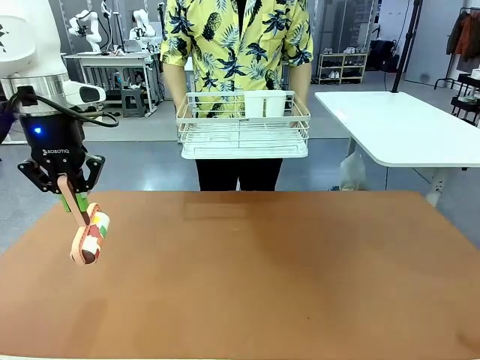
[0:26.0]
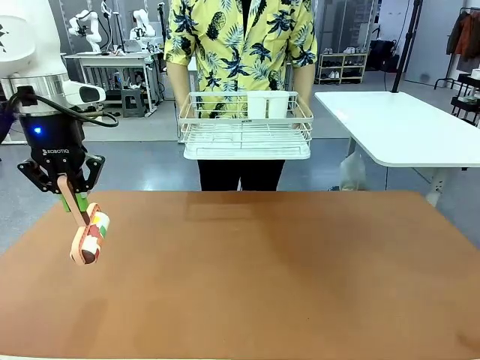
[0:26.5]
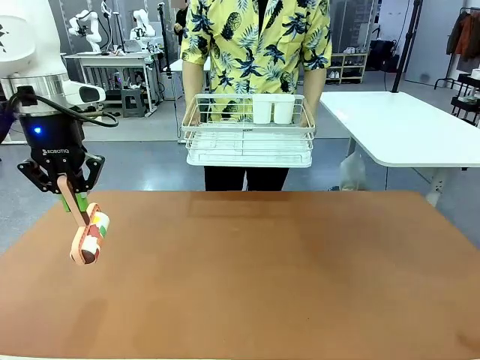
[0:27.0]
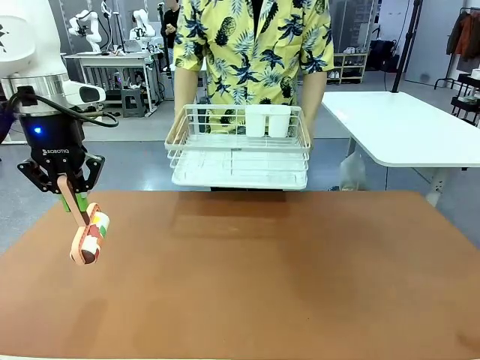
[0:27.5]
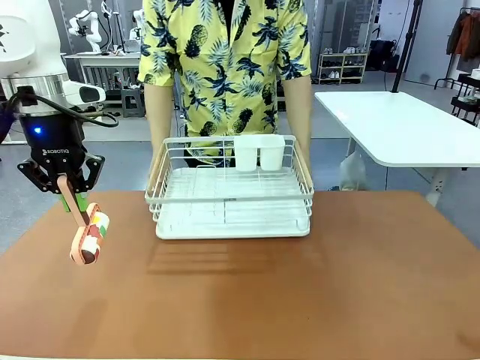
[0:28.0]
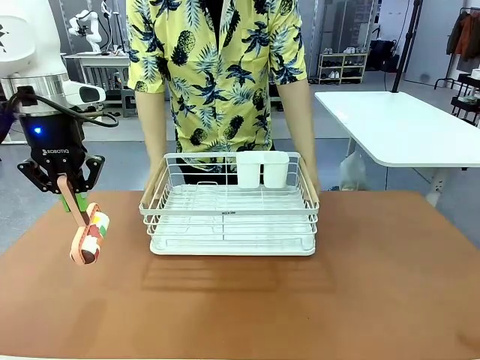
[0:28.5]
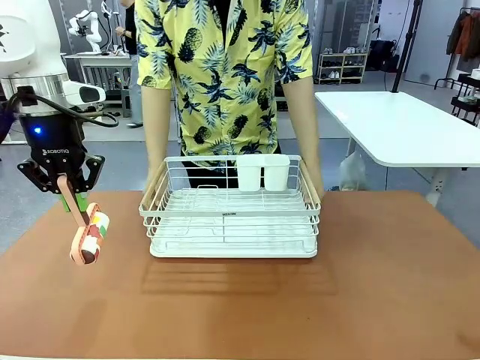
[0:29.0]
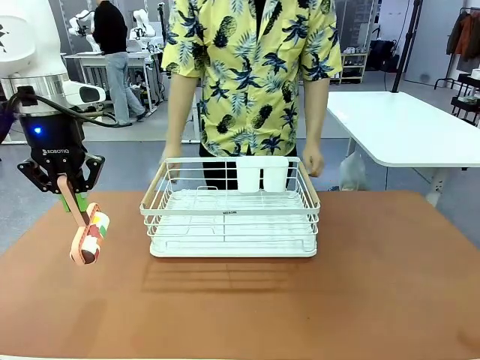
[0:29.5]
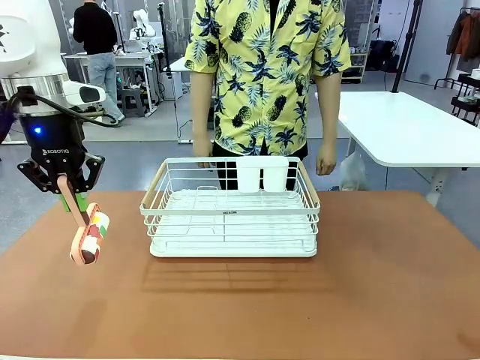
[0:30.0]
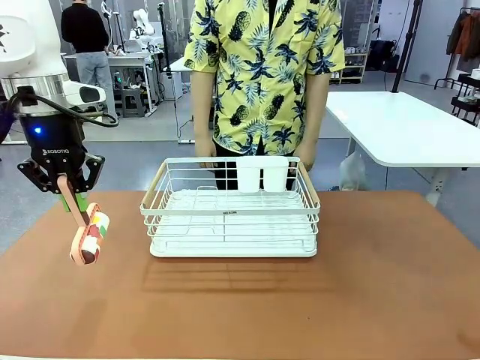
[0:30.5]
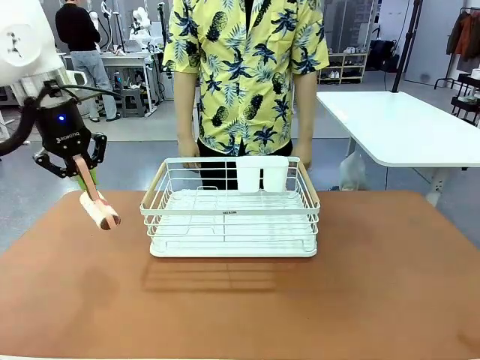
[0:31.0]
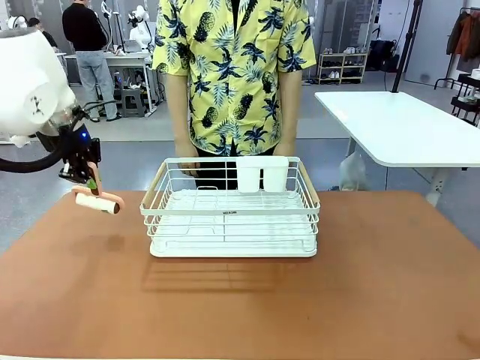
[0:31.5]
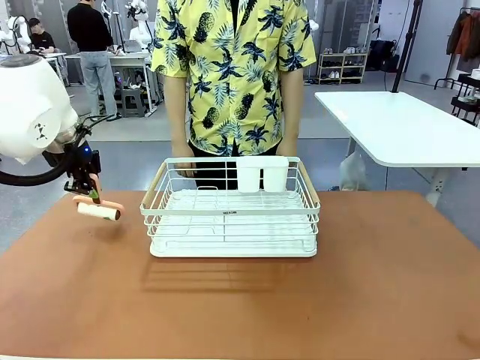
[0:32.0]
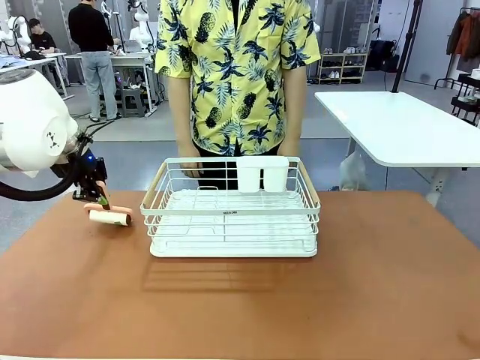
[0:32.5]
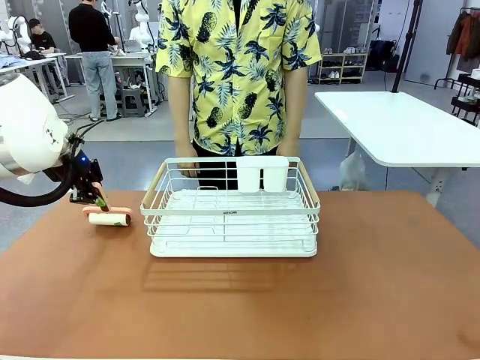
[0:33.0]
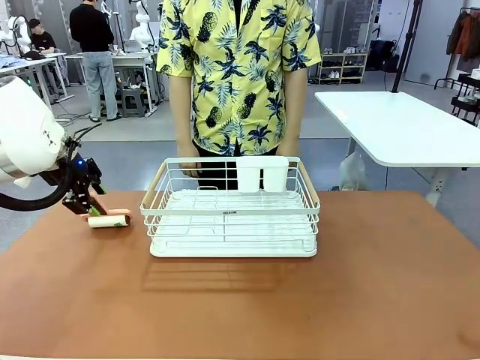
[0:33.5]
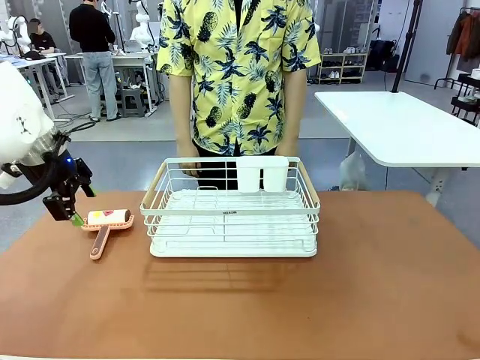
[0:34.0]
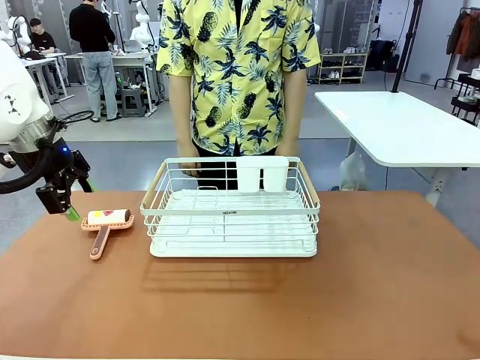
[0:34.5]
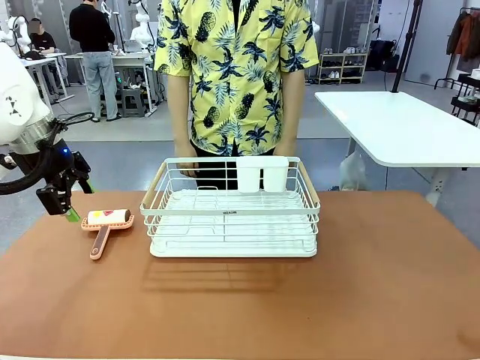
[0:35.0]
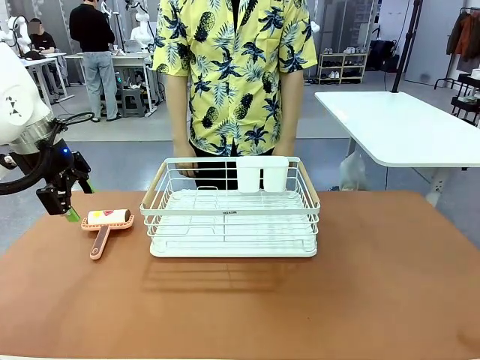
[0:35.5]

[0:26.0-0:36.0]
Task: Clean the table.
Robot: Place the Lint Roller down when the Dish drying rack is positioned in the middle of the table.
Person: Place the Dish drying rack down when the robot finishes cleaning.

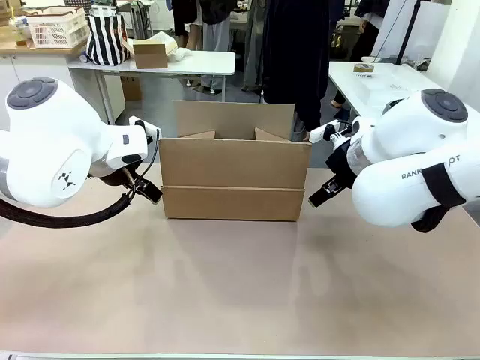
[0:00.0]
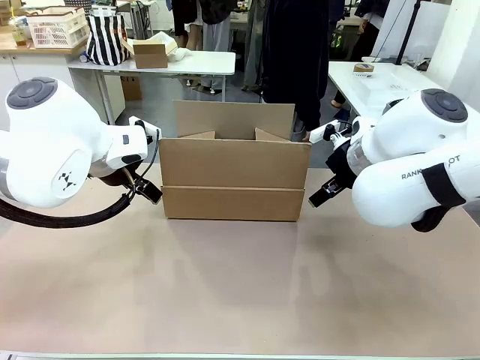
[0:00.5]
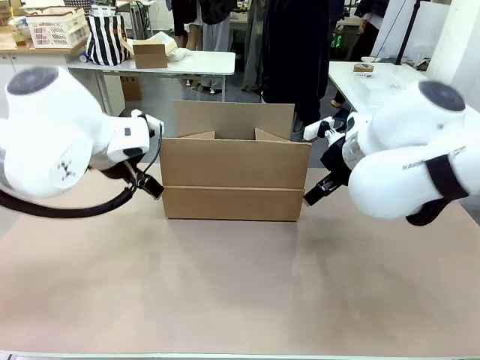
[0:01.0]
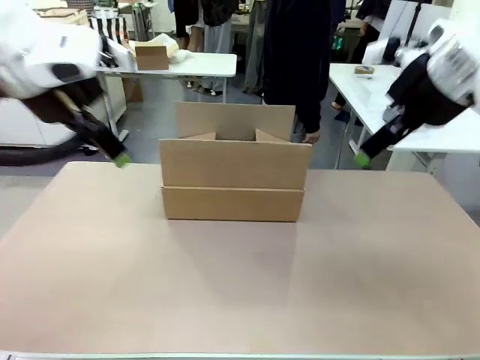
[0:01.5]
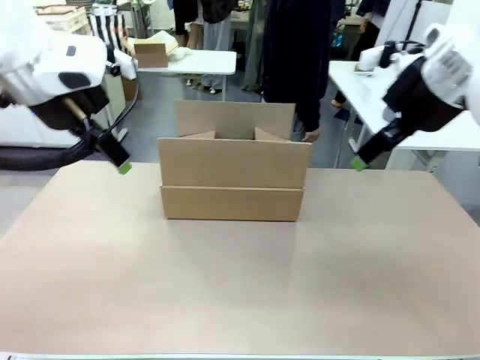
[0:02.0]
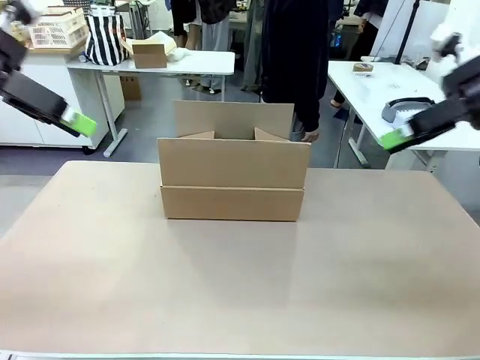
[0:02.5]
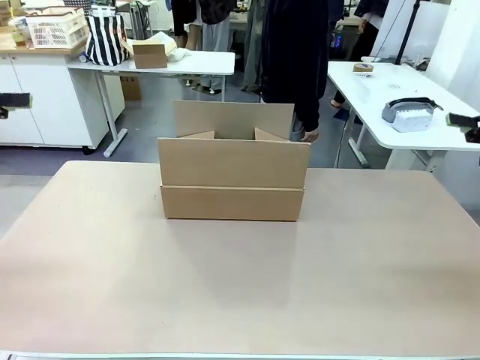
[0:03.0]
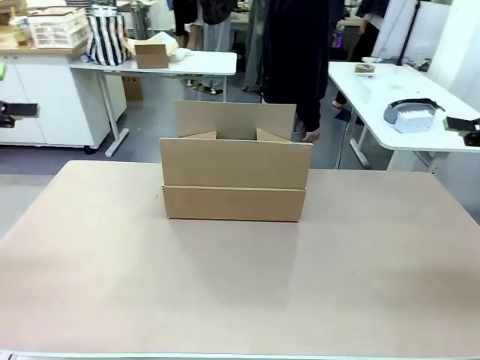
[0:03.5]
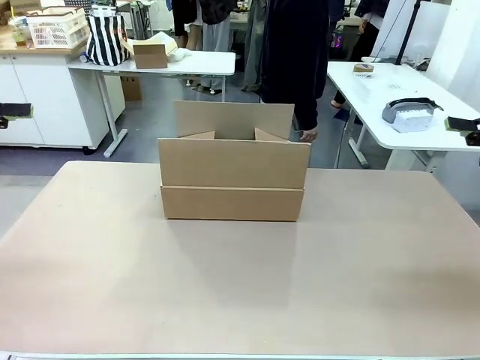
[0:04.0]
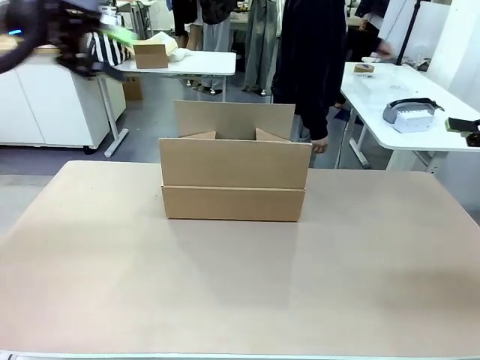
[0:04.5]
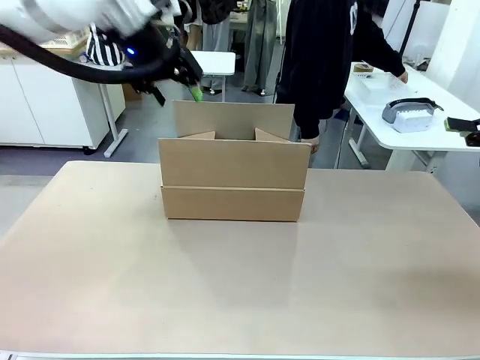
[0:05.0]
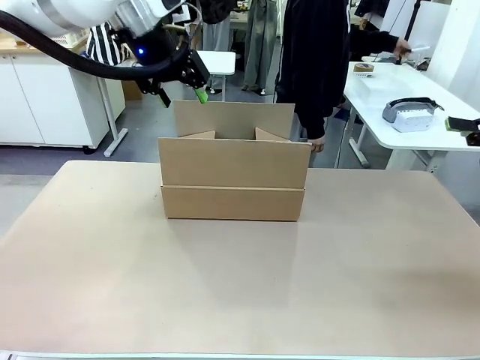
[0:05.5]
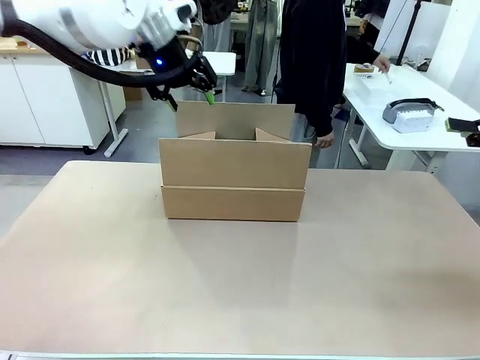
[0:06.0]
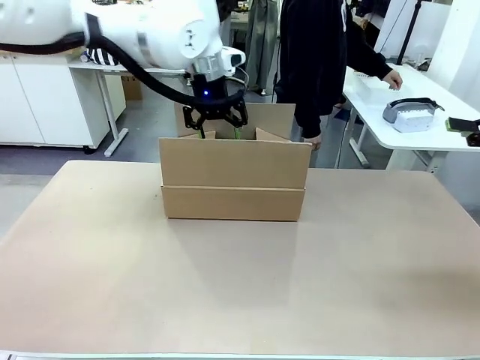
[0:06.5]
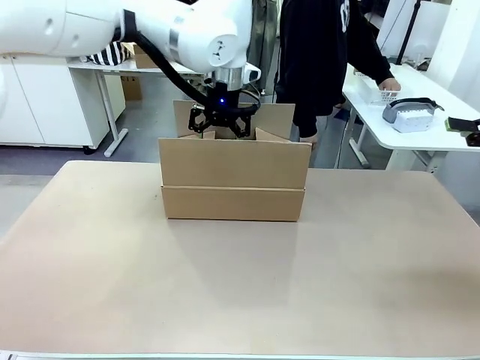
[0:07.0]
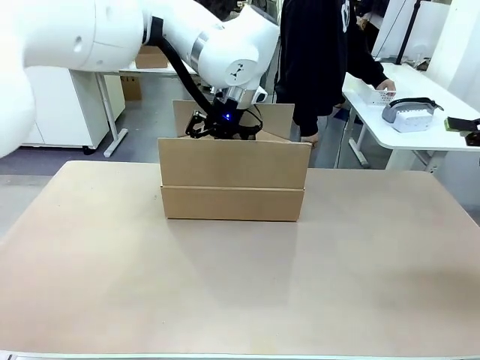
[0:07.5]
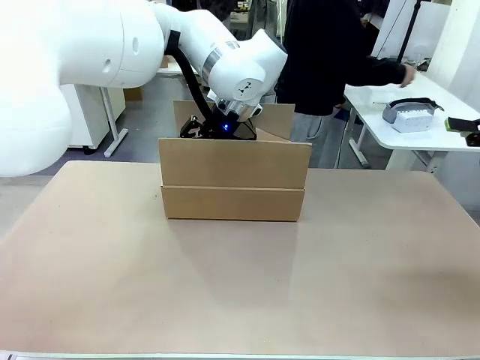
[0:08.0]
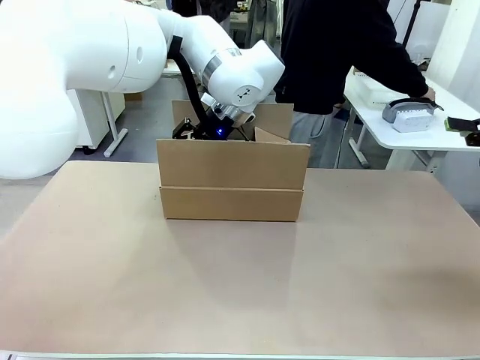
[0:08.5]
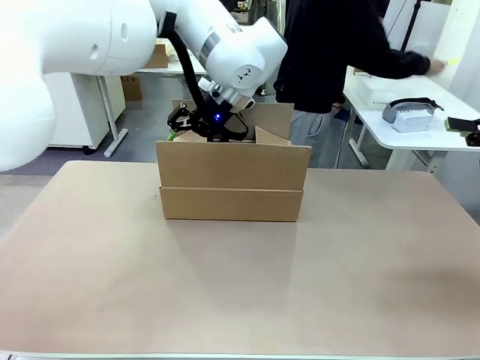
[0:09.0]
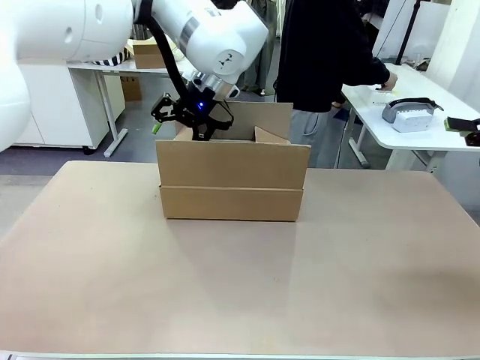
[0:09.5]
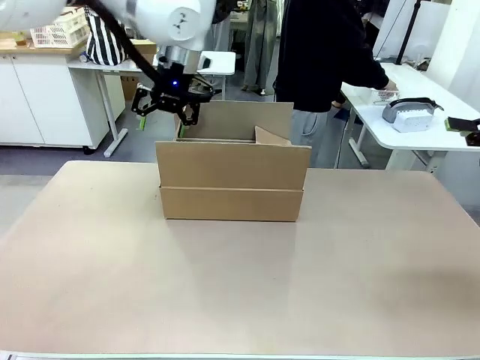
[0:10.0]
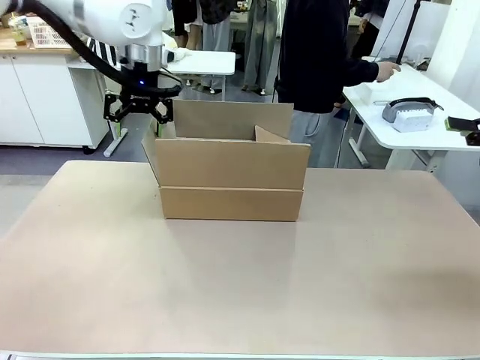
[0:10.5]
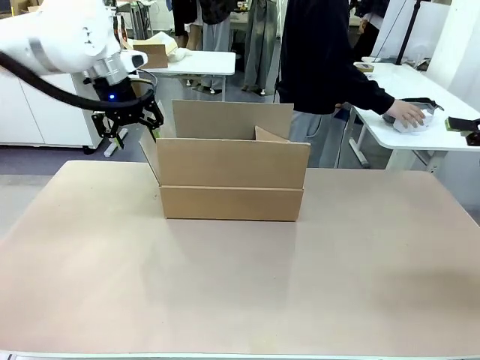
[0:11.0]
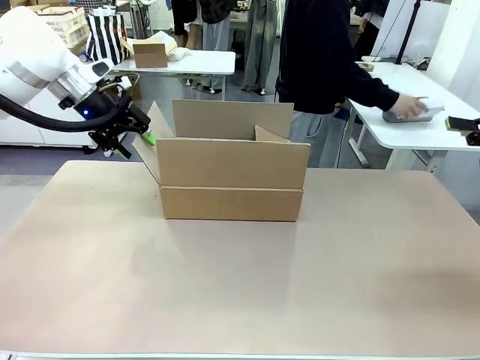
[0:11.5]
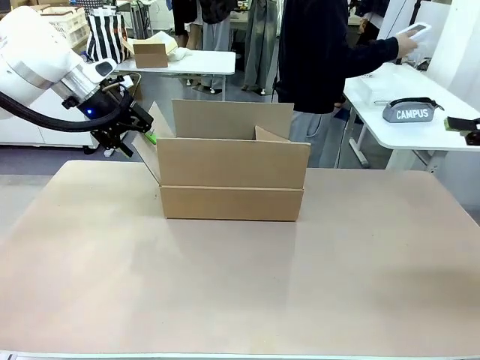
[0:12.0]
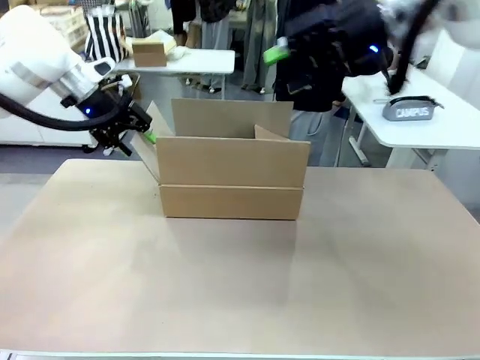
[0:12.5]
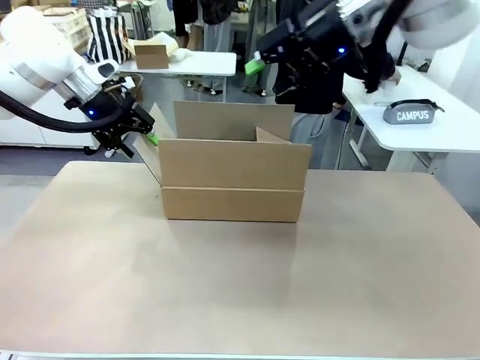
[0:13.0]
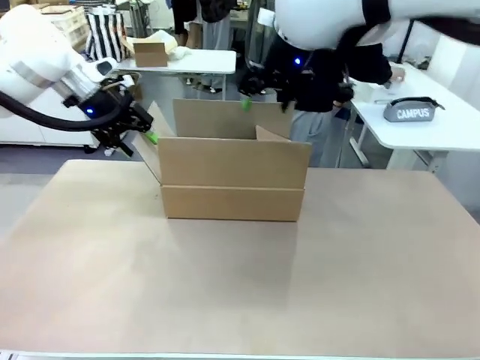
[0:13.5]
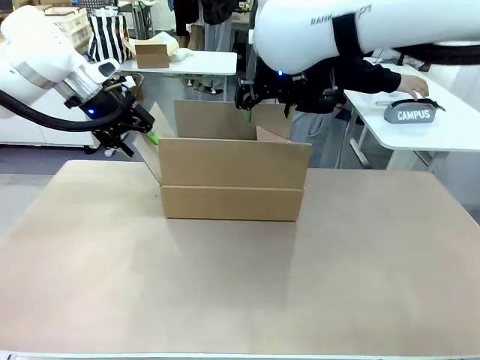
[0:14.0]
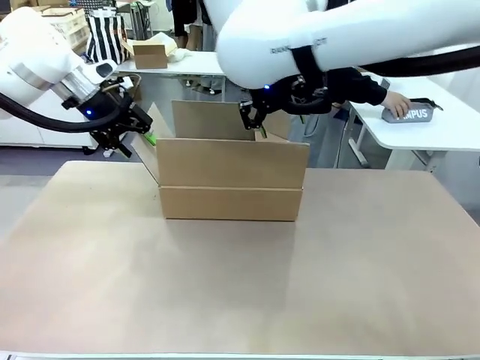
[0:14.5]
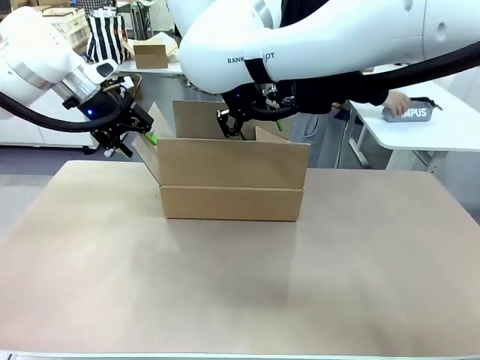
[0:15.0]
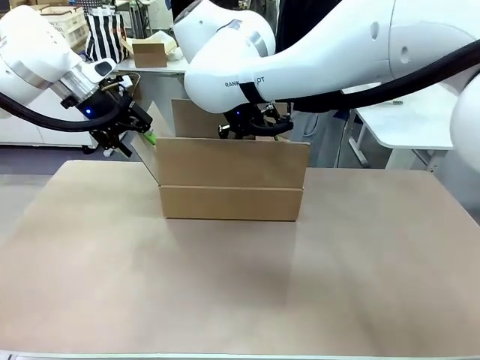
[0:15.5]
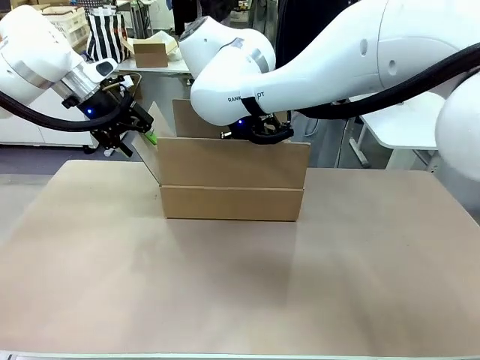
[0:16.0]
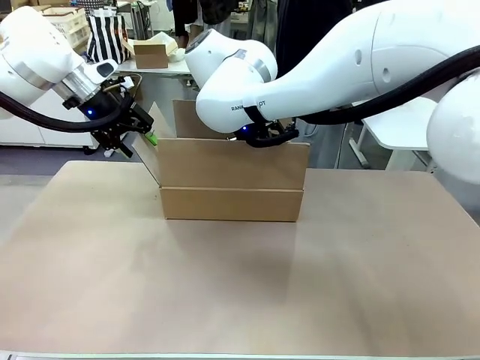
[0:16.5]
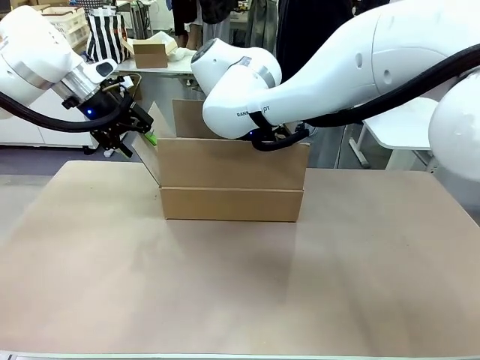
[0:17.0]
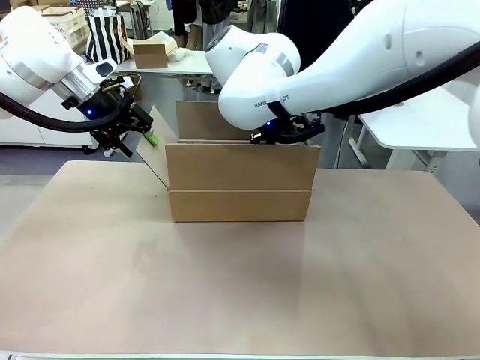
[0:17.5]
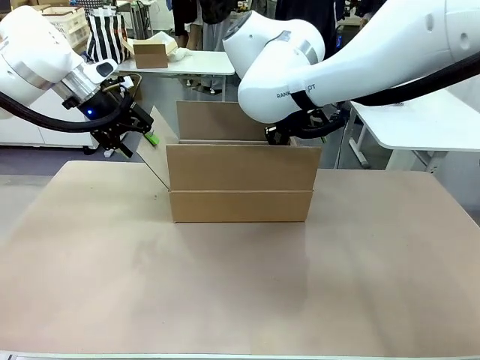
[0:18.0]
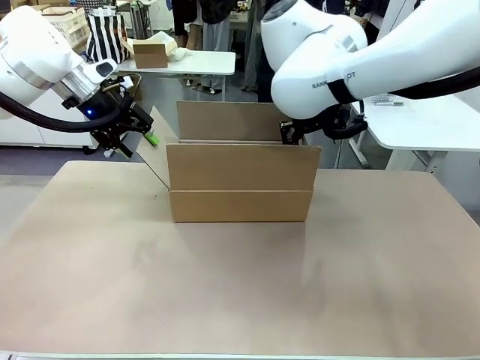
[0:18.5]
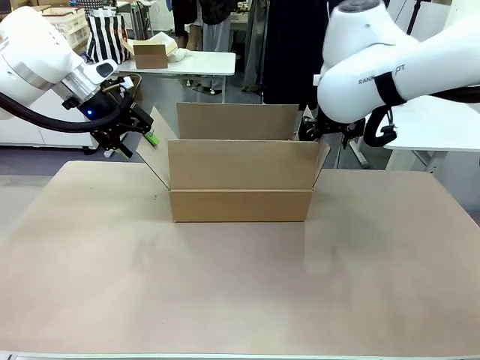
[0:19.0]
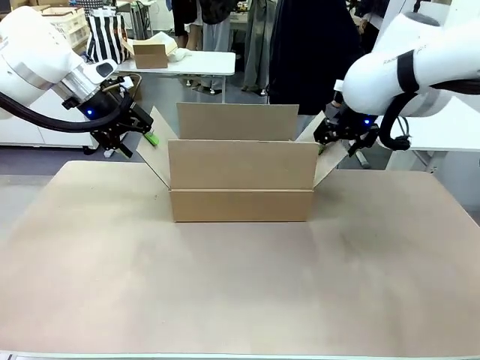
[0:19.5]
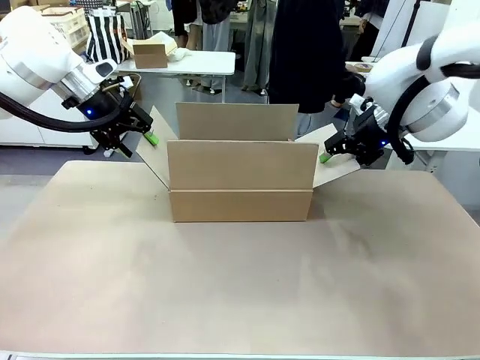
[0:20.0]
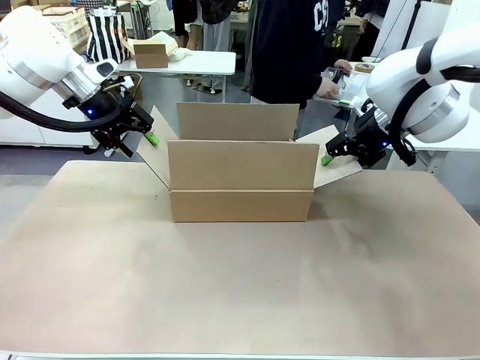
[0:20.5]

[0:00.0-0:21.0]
Task: Pack the gift set into the box.
Robot: Place both hands on the side flaps of the Package Box and spread them outward.
Person: The human places all items except the paper tape into the organizing basket.
